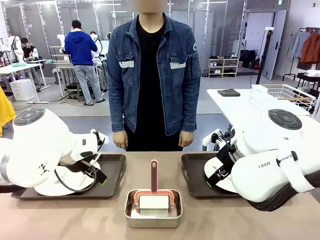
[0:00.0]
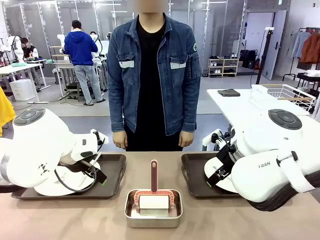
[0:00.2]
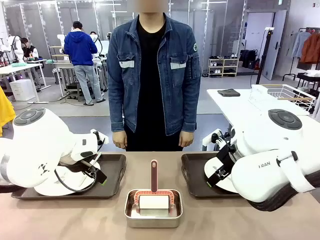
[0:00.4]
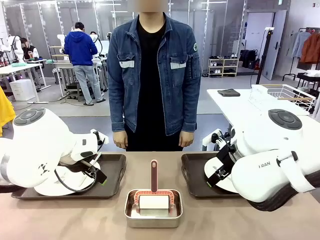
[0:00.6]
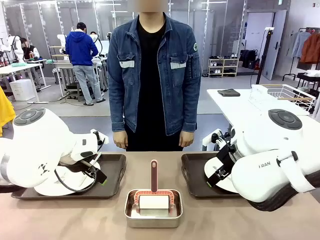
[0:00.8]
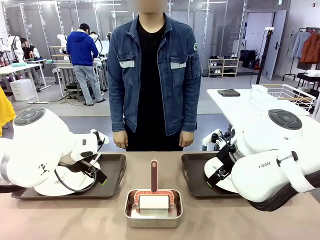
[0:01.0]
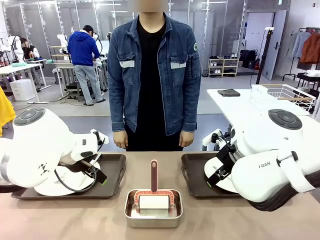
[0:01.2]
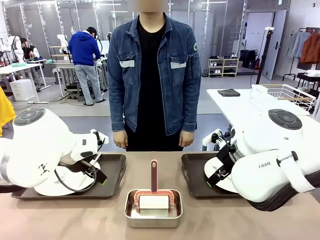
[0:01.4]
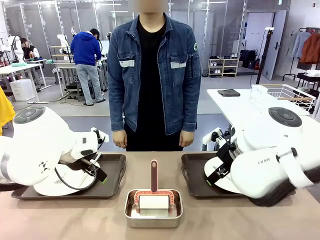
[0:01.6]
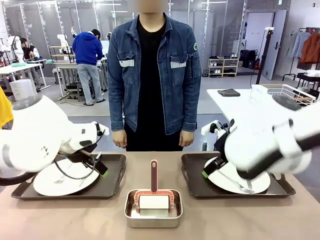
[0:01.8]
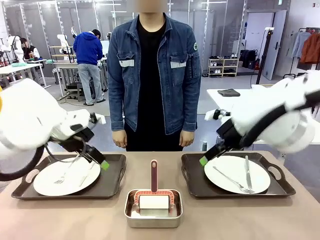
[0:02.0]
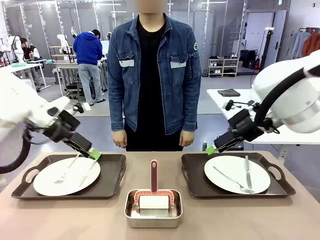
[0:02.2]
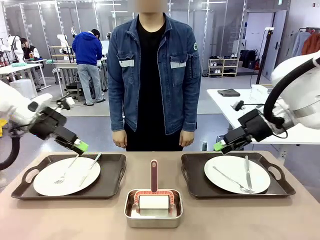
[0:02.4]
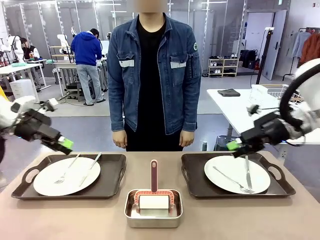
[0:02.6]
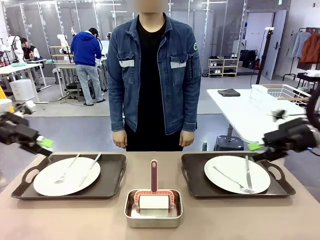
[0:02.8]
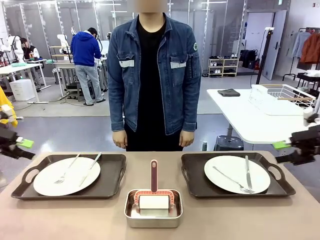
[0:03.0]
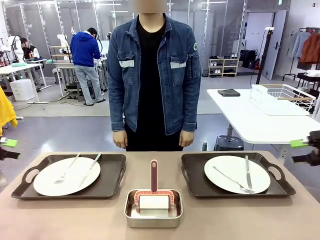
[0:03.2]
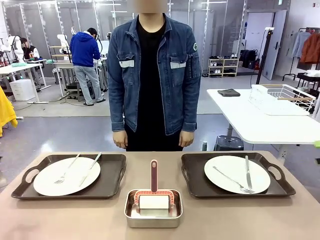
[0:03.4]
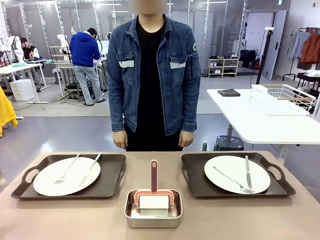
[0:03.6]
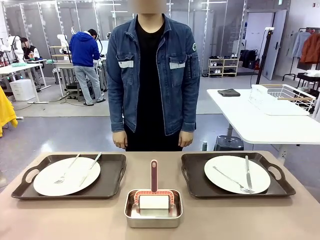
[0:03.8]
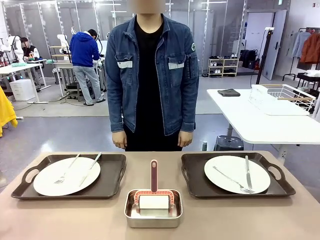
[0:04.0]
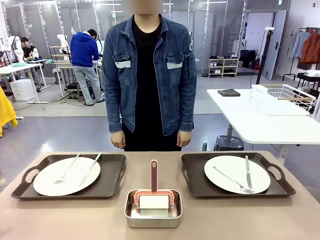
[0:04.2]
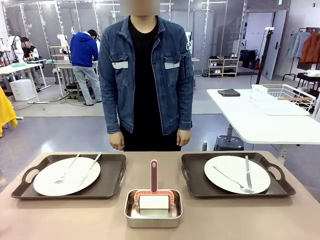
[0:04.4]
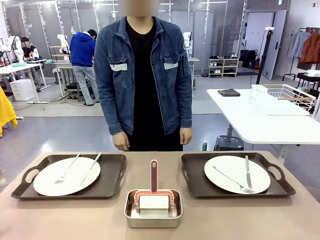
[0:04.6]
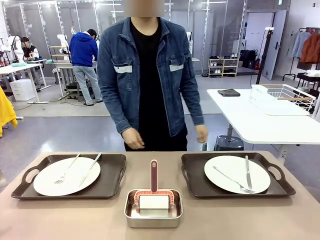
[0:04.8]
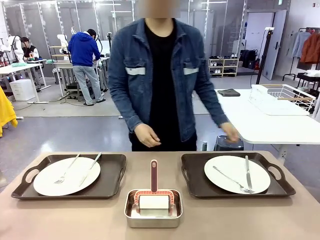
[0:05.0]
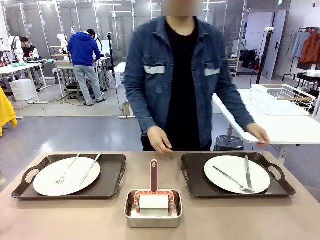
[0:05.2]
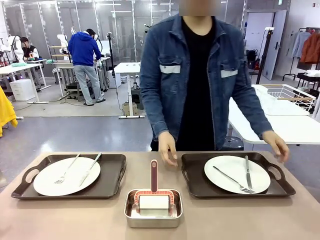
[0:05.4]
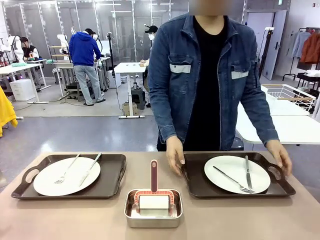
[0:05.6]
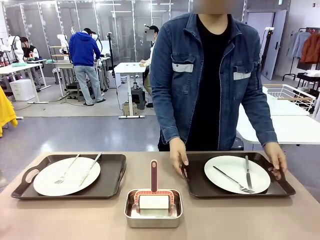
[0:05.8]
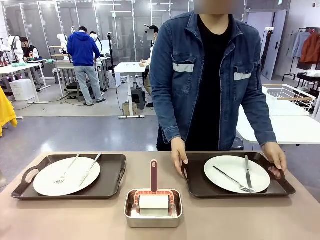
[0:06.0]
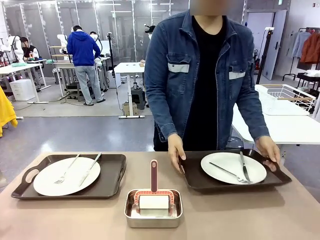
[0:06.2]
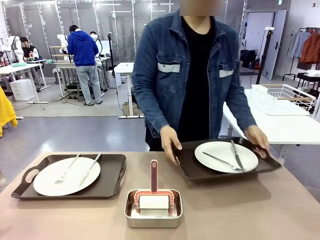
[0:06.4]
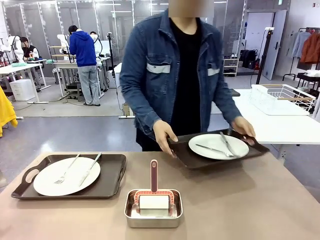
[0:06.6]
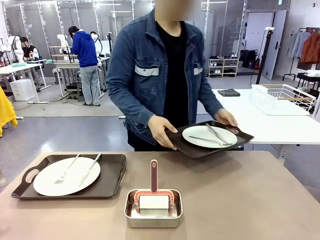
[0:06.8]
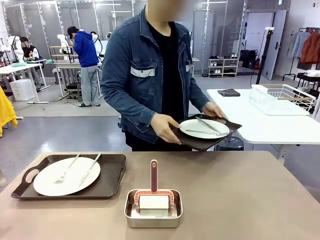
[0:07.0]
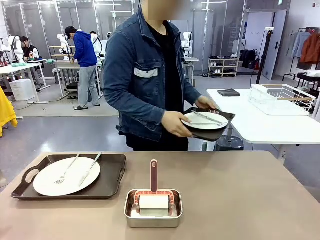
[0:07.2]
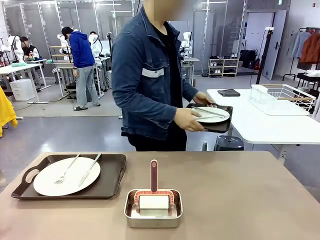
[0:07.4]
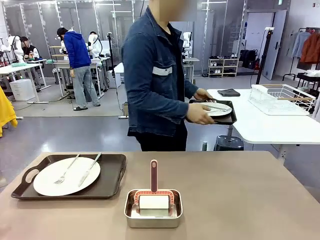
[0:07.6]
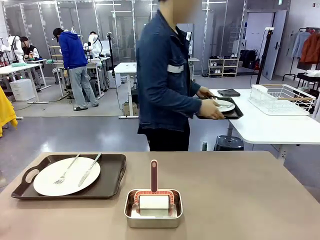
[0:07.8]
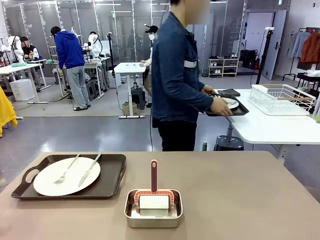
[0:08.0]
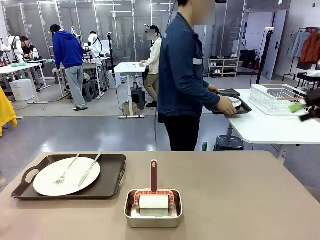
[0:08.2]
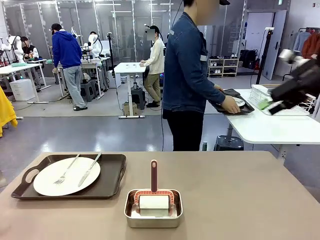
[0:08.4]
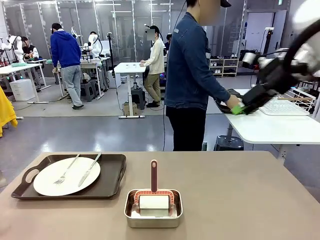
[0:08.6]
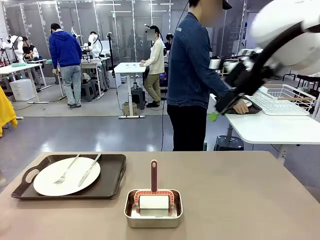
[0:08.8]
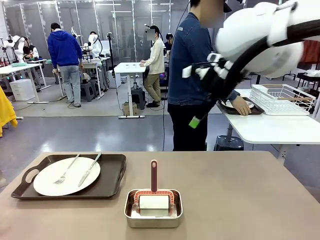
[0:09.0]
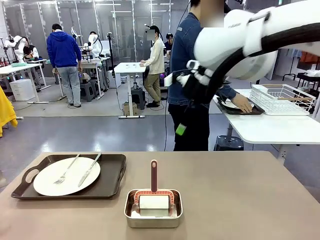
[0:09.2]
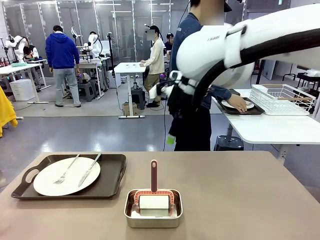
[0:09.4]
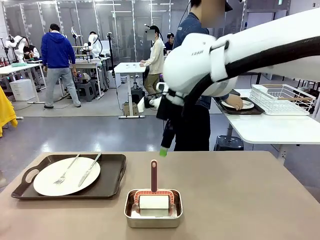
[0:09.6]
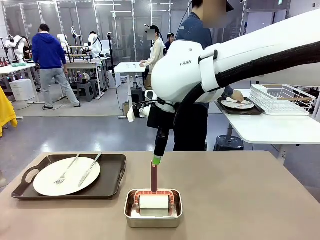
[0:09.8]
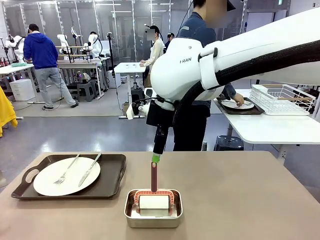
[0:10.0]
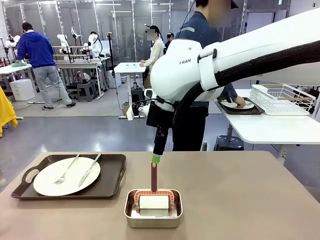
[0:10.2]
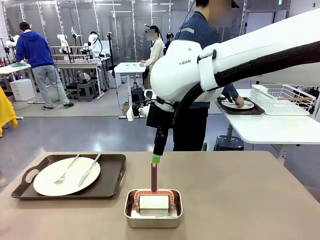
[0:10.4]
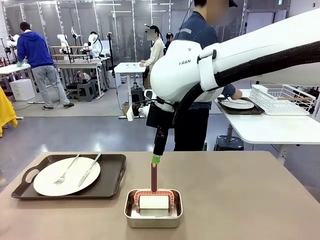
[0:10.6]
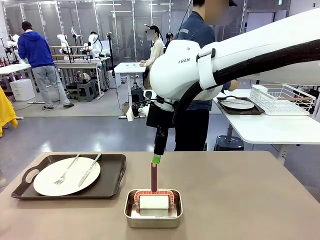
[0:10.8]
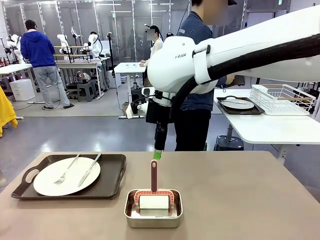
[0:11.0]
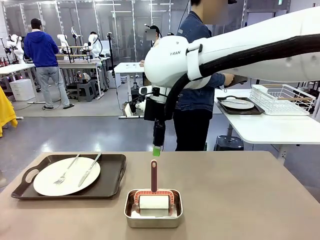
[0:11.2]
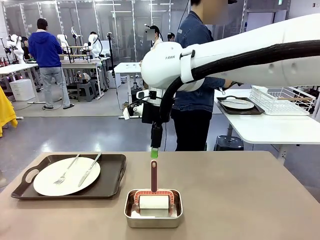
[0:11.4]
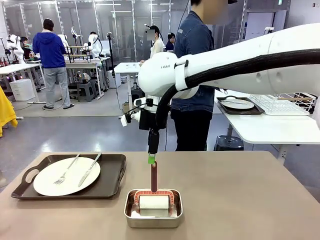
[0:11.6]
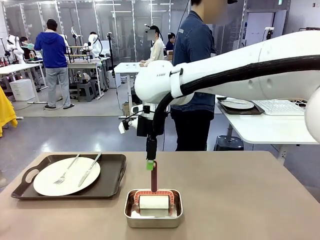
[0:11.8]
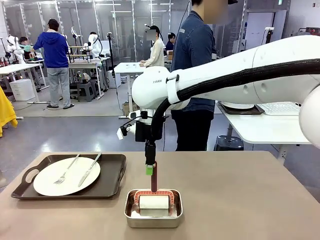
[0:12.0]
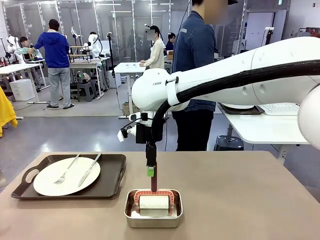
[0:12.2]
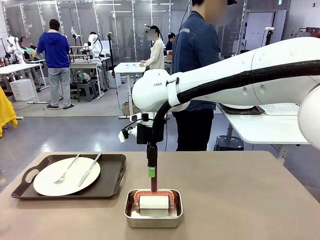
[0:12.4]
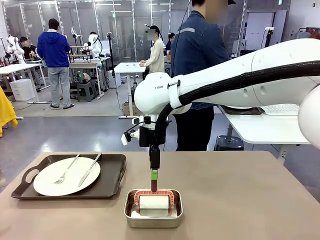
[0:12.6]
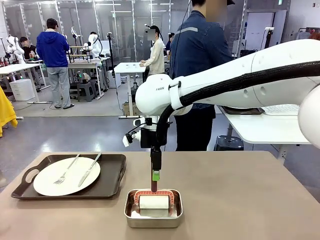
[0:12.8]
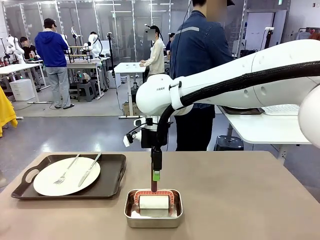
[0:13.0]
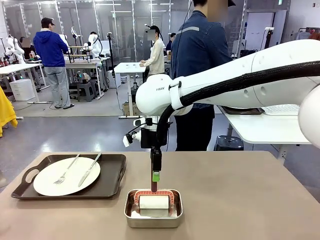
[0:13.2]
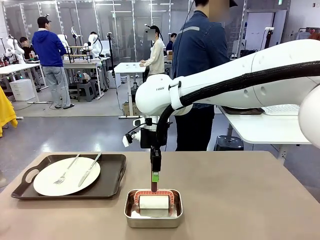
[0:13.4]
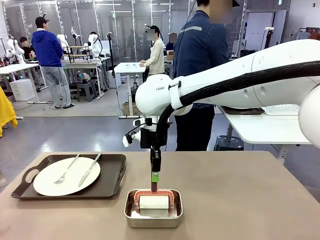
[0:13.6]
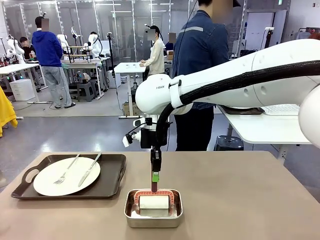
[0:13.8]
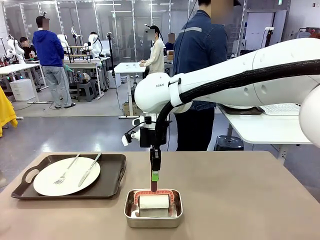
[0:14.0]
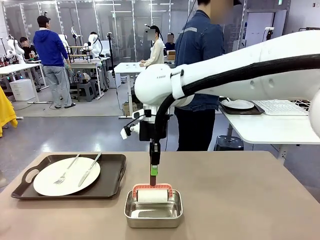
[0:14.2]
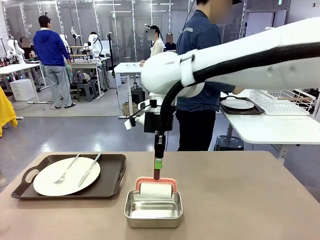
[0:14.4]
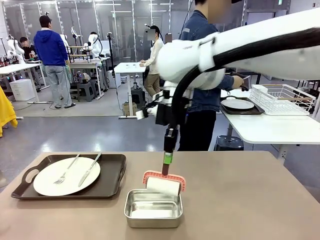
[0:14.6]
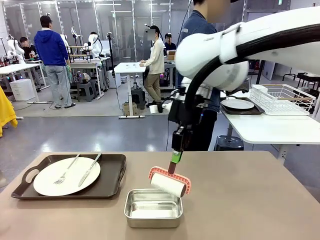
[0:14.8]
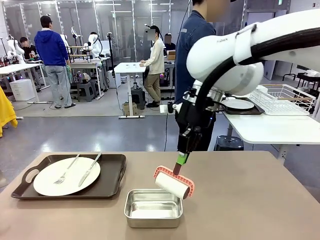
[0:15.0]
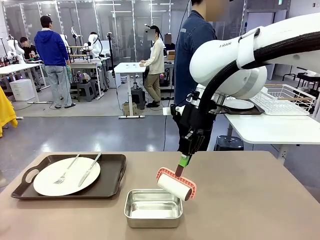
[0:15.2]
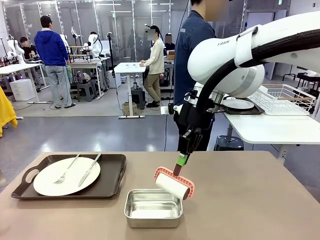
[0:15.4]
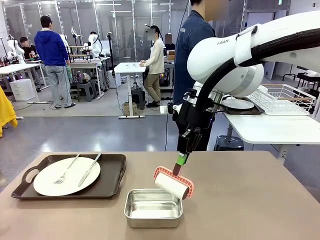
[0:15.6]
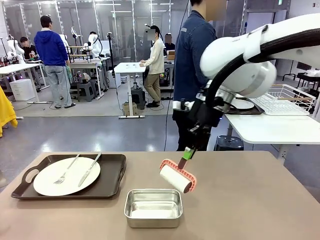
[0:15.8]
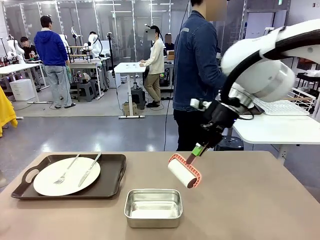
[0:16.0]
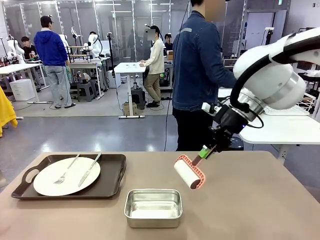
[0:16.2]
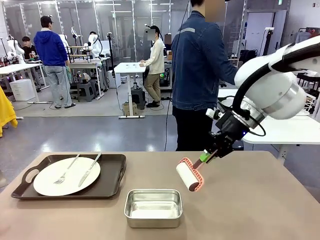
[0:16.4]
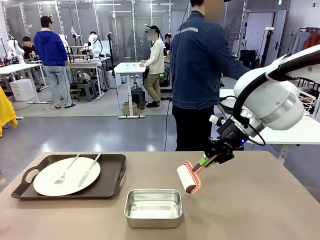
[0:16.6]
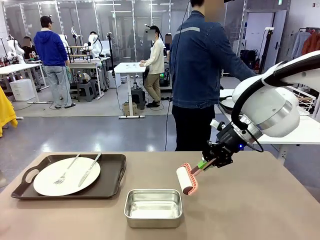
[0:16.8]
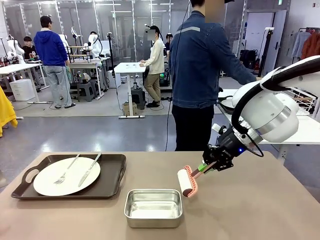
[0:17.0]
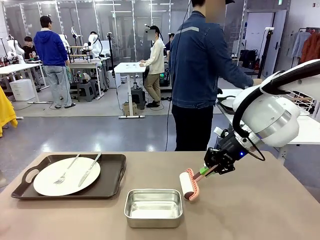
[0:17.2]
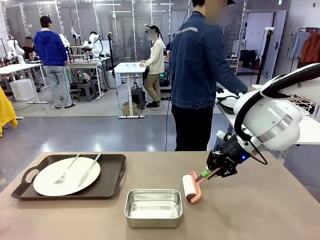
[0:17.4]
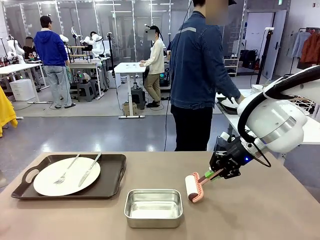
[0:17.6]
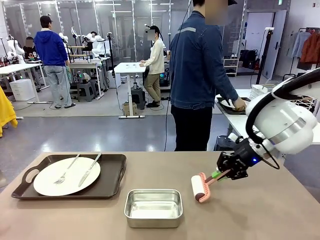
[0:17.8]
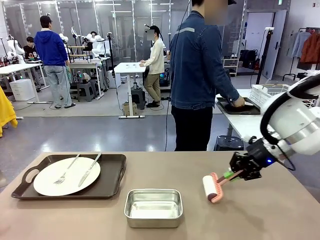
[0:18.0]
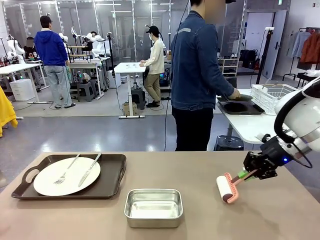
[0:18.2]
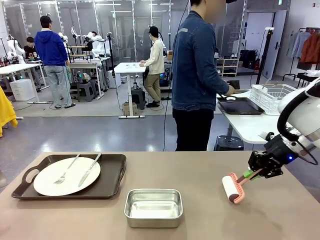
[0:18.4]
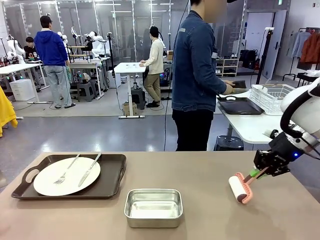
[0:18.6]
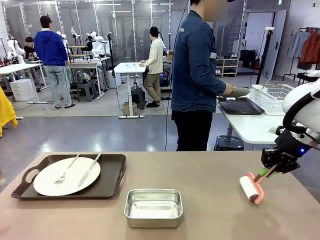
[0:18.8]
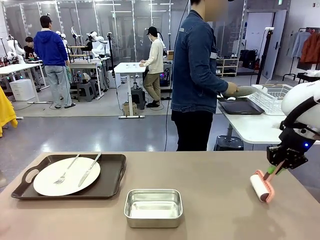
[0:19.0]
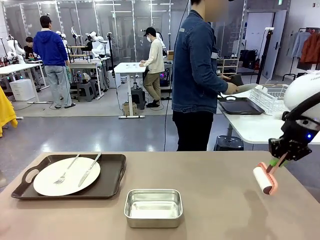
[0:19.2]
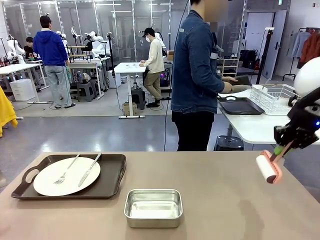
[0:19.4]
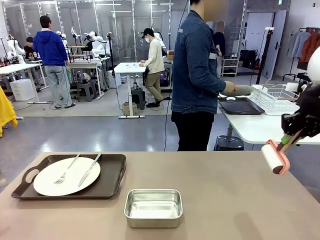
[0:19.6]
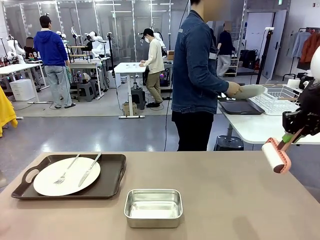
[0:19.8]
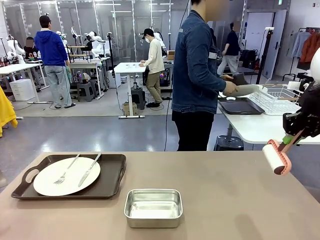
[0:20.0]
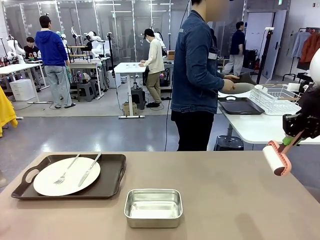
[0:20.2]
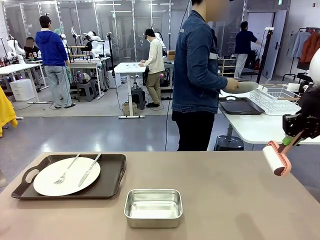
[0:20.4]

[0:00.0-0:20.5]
Robot: When the left (or right) Handle tray is removed, use the left hand (or right hand) to clean the left (or right) side of the table with the Lint Roller.
Person: Pick up the left (or right) Handle tray and place it on the middle of the Human's table. Use the Towel with hook to wipe the Plastic Matte Plate , Fork , and Knife and place into the Dish drying rack.
